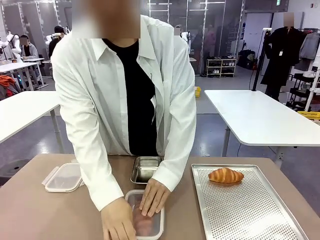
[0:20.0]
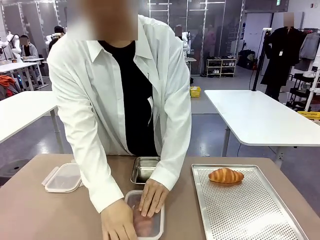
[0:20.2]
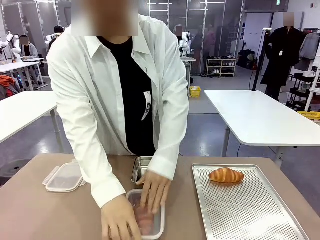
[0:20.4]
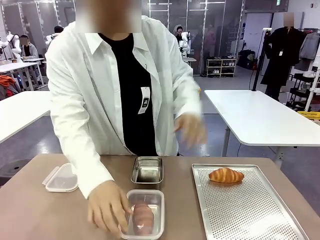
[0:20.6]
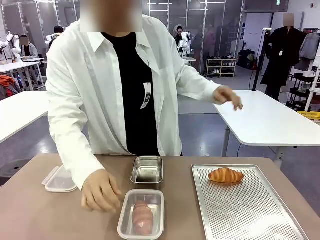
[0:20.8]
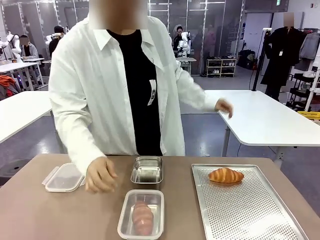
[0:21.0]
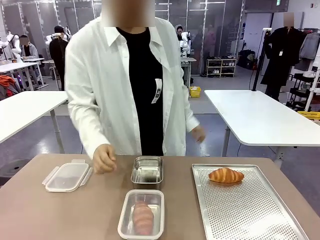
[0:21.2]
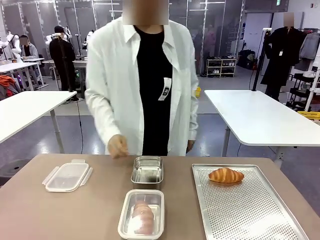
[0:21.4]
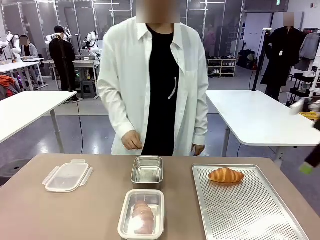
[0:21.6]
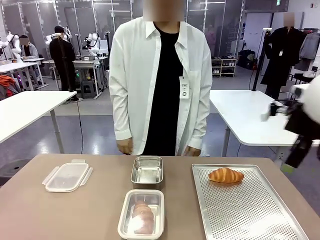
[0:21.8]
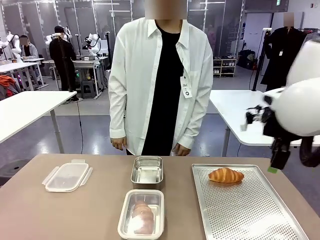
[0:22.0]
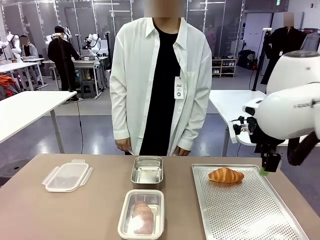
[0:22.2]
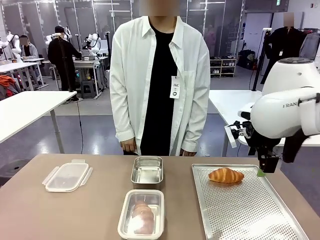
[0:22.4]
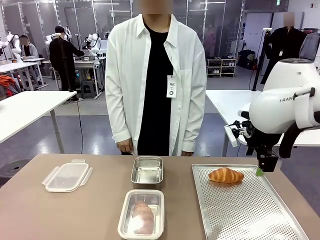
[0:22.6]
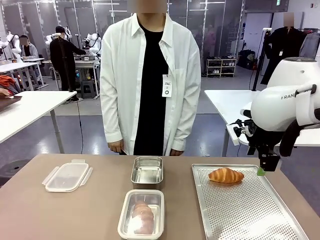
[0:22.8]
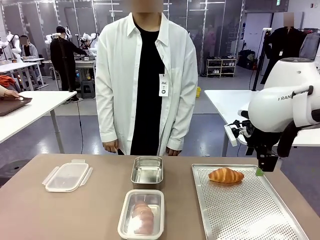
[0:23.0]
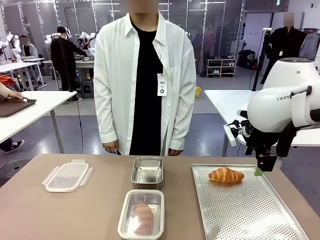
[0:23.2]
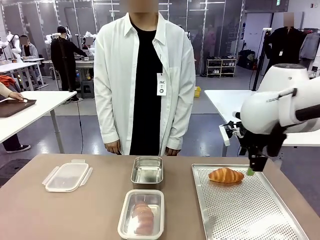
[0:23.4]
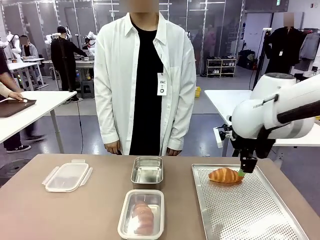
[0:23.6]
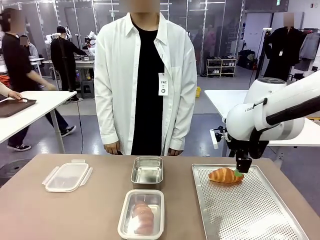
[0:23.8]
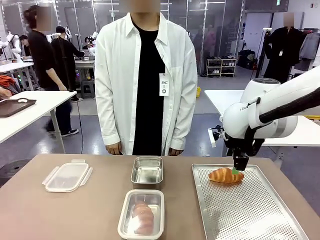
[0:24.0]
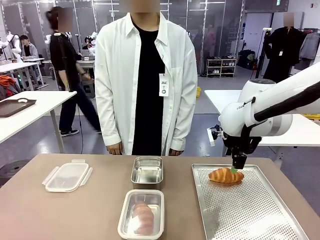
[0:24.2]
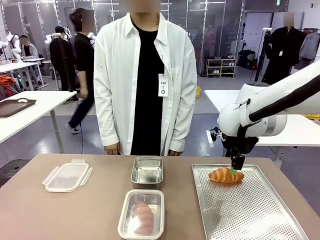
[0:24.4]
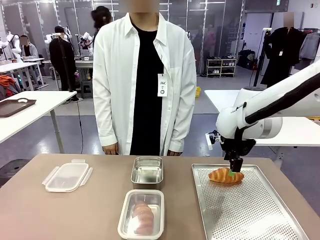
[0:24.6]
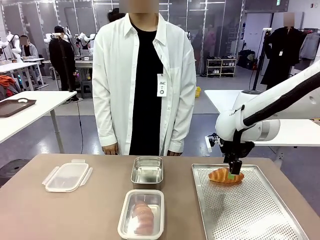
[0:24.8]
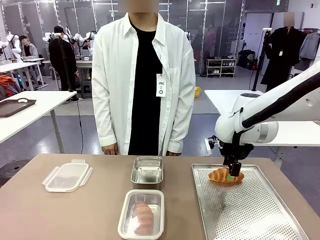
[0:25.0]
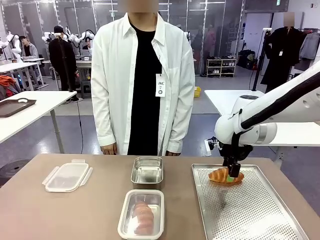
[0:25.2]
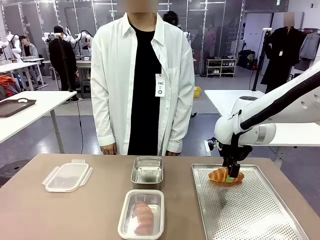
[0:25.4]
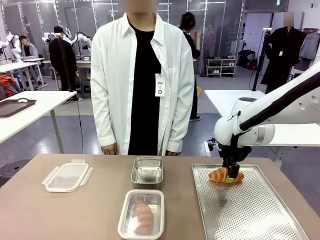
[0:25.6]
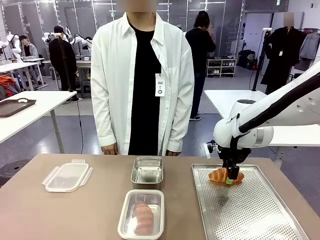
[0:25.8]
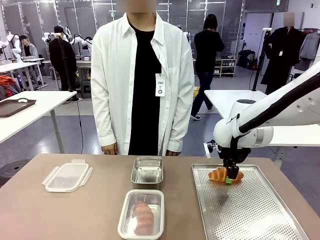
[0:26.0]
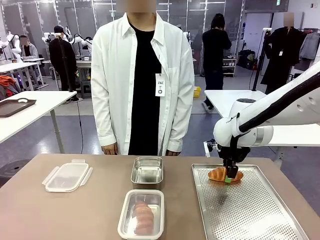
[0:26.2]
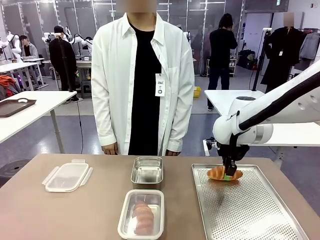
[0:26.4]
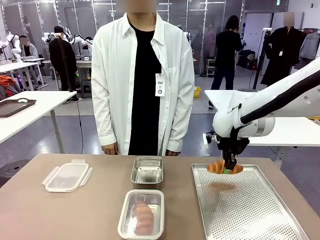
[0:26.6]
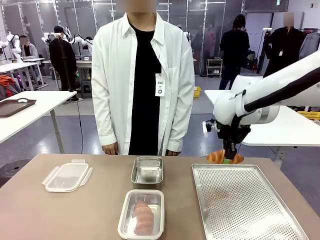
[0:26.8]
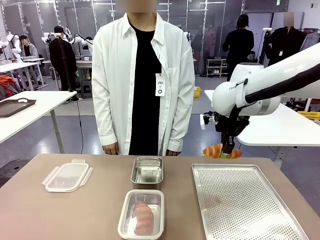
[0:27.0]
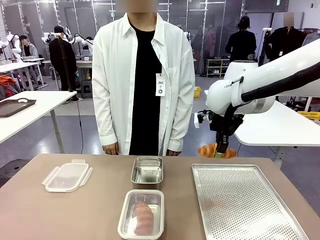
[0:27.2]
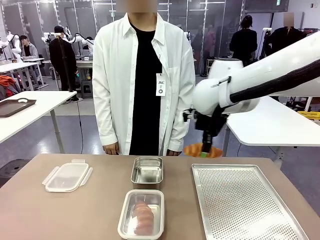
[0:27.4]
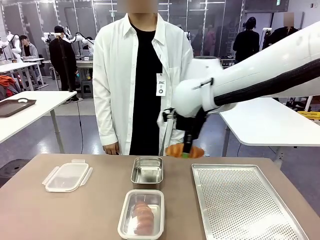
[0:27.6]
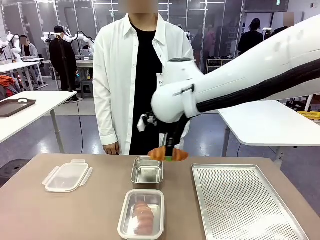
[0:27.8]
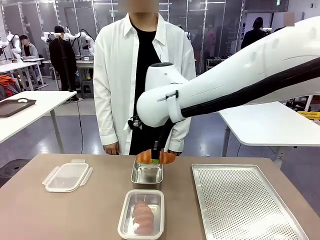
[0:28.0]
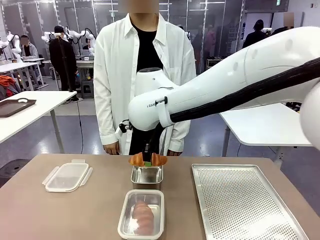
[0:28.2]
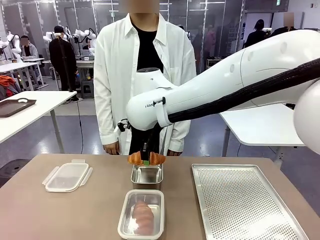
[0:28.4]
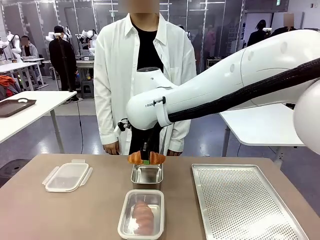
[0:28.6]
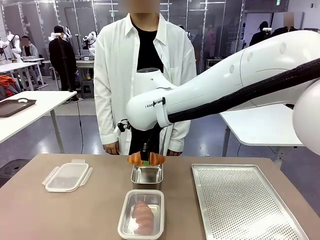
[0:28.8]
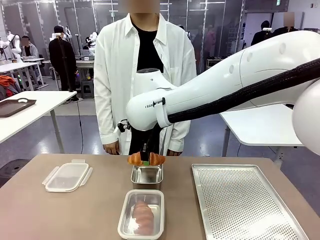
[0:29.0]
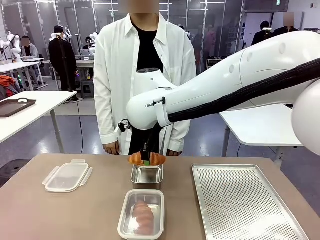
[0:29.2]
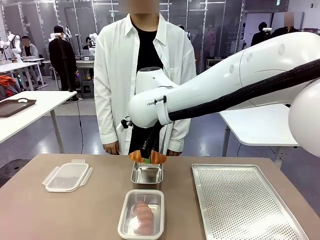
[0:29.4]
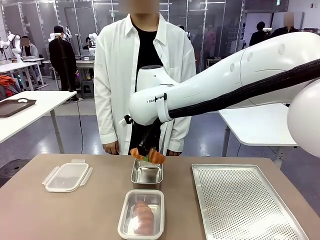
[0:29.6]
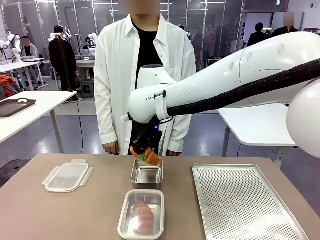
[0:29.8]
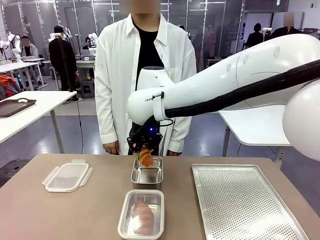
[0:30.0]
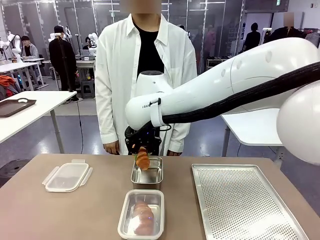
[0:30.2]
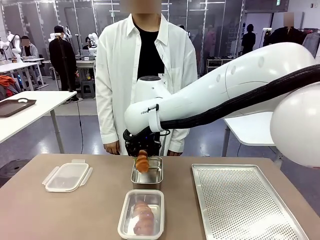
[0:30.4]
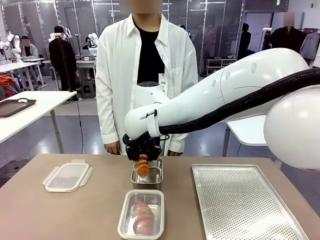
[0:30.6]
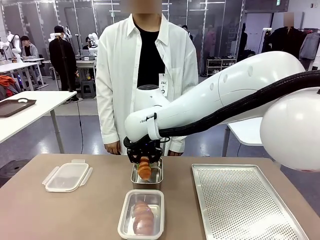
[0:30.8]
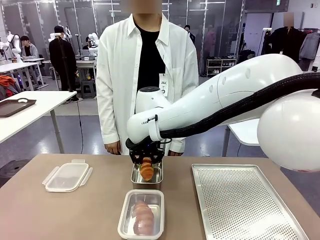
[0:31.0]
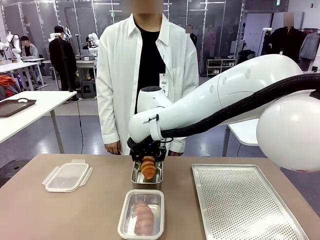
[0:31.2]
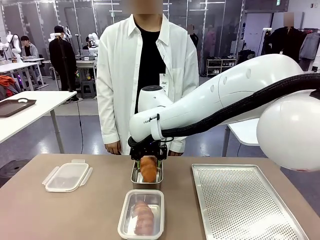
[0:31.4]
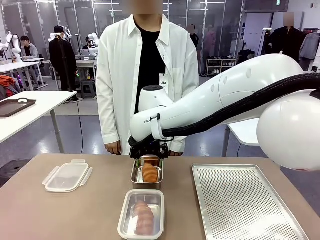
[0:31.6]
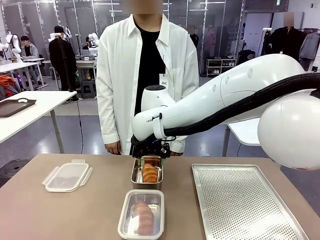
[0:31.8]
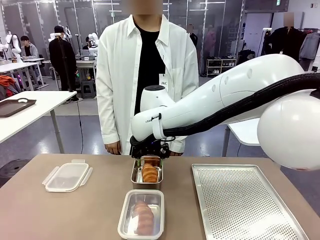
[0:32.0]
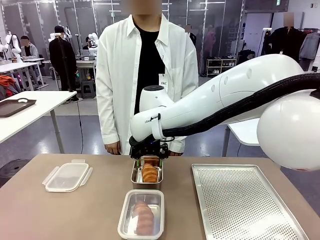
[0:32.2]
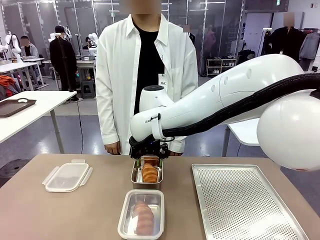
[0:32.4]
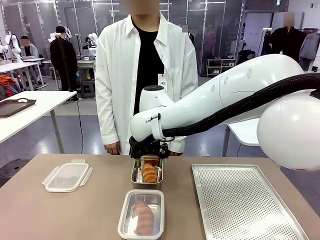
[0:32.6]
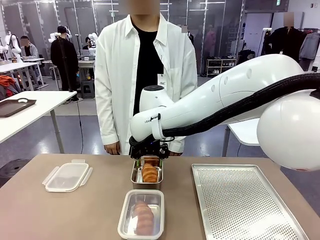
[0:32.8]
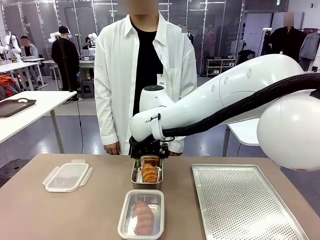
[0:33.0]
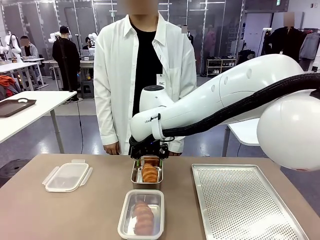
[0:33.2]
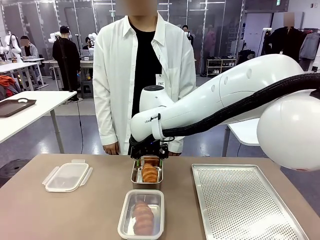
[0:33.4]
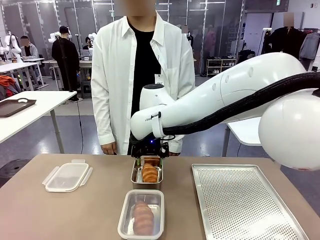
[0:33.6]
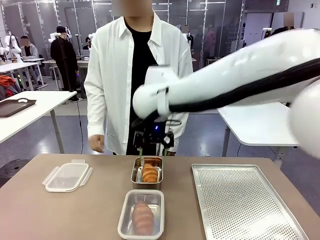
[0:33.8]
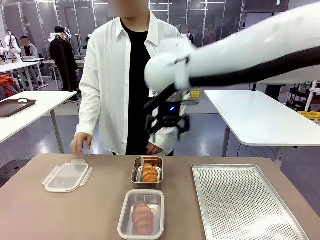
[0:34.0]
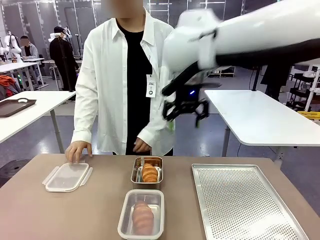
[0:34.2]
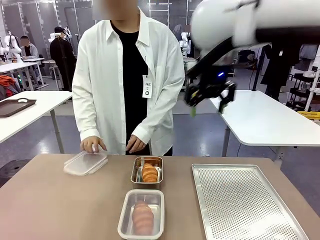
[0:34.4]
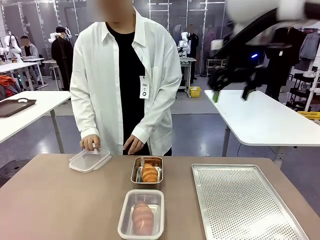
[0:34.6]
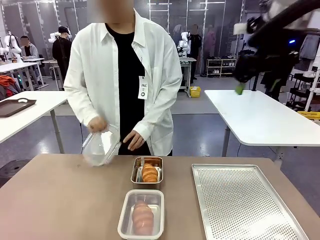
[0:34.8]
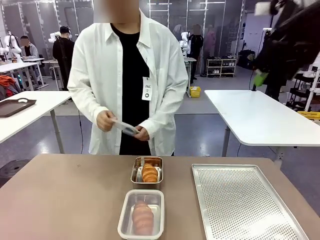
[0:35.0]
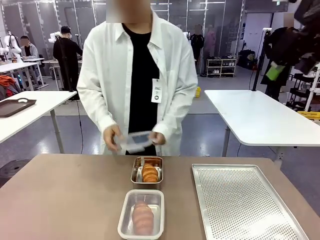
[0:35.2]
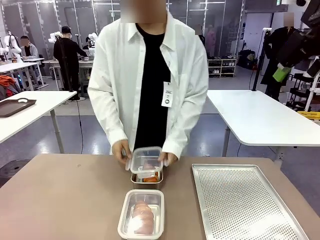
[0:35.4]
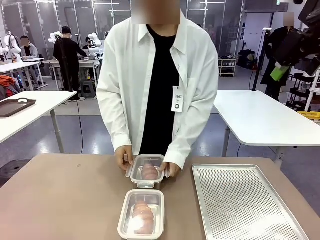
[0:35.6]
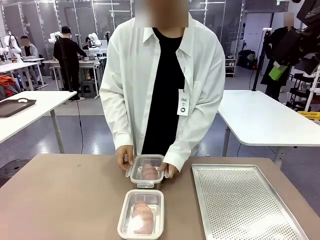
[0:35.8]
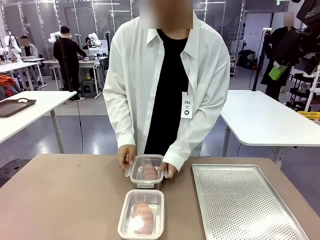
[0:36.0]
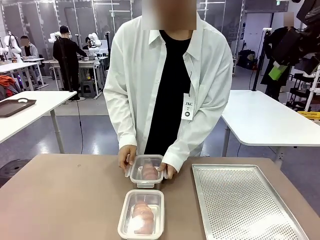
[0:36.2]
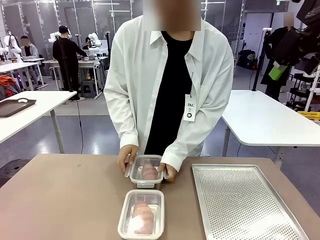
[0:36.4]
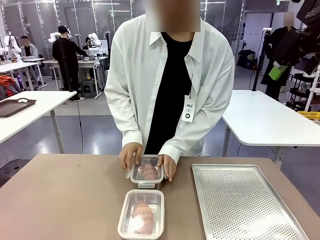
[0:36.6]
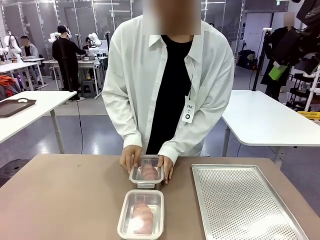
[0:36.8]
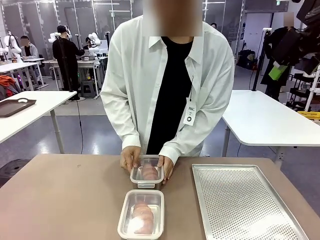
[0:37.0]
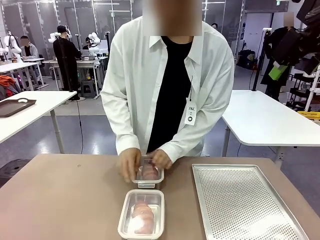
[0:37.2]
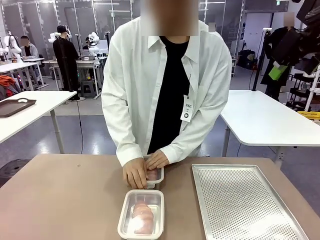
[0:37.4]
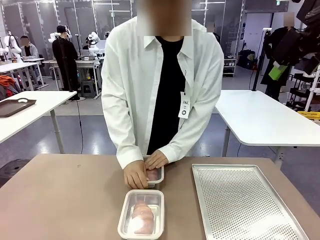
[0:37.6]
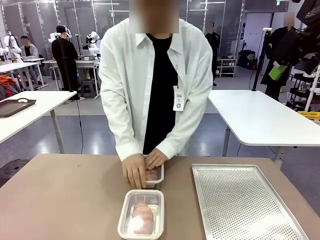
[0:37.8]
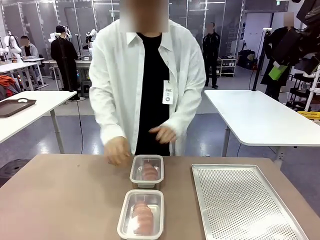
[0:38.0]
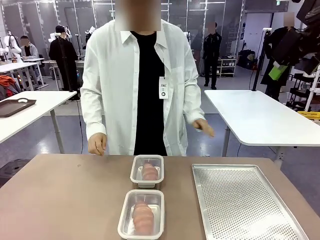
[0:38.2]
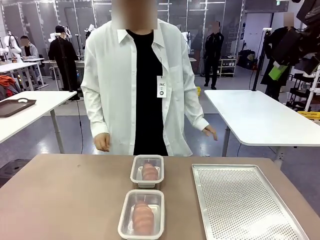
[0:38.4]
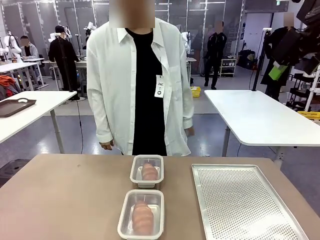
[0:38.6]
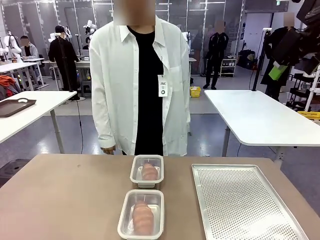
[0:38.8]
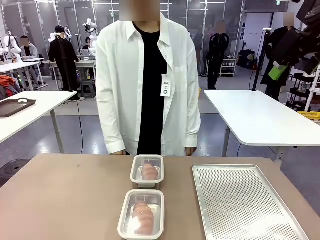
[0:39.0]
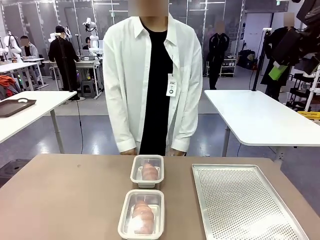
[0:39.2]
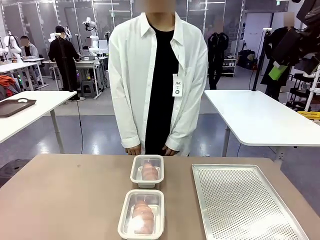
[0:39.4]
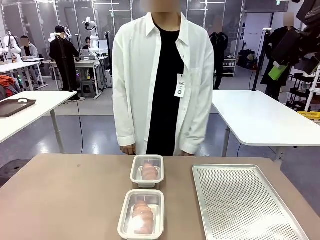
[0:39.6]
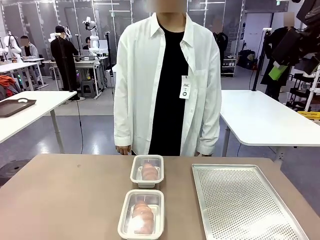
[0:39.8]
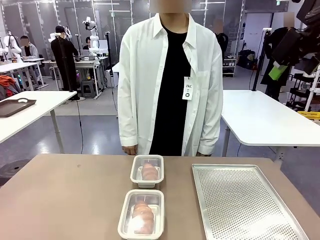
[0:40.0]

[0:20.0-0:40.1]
Task: Place the bread into the airtight container.
Robot: Pick up a Butter Roll and place it into an empty Airtight Container.
Person: Once a Butter Roll is inside an Airtight Container , close the lid of that Airtight Container.
